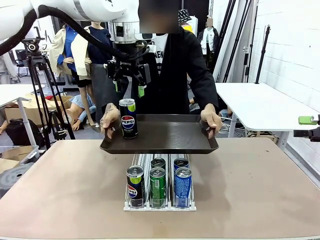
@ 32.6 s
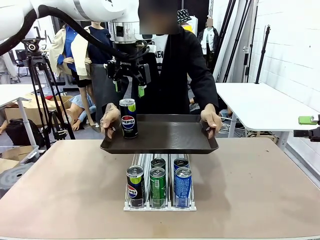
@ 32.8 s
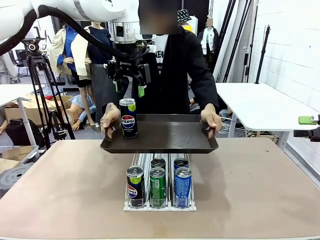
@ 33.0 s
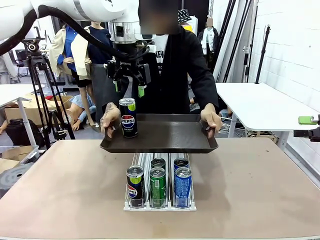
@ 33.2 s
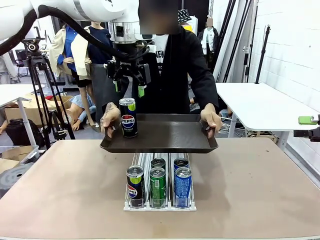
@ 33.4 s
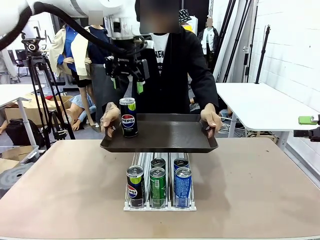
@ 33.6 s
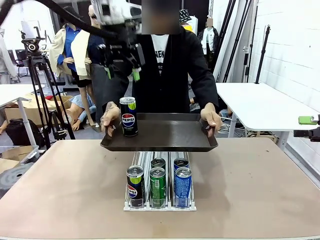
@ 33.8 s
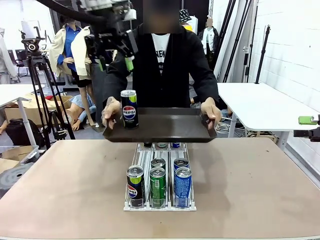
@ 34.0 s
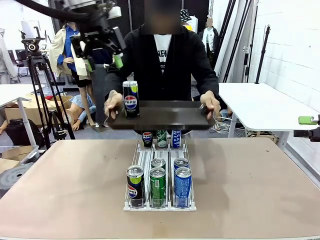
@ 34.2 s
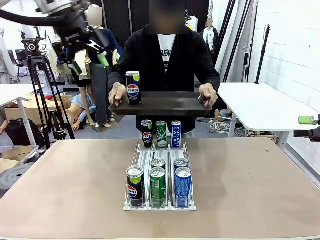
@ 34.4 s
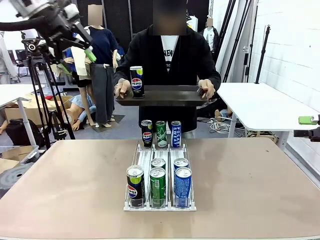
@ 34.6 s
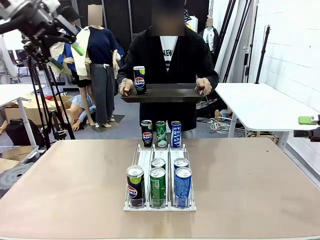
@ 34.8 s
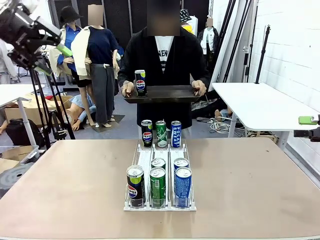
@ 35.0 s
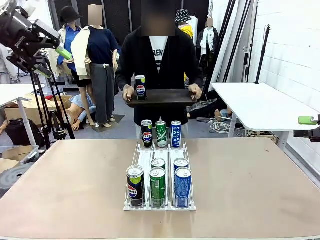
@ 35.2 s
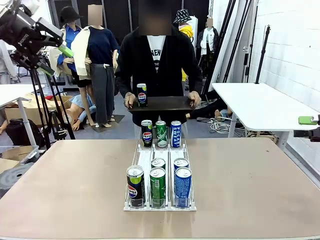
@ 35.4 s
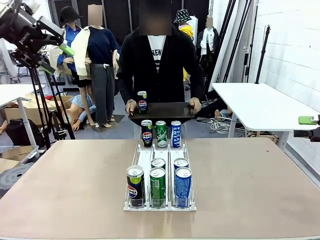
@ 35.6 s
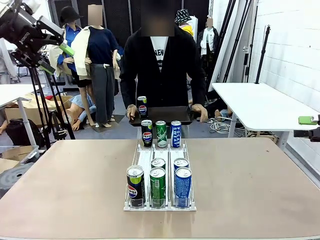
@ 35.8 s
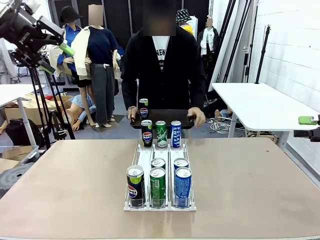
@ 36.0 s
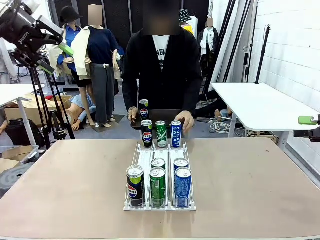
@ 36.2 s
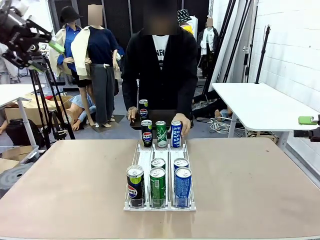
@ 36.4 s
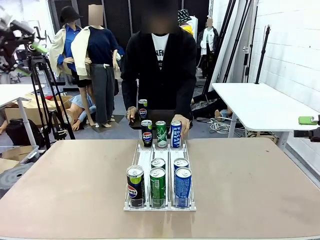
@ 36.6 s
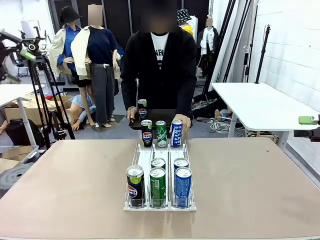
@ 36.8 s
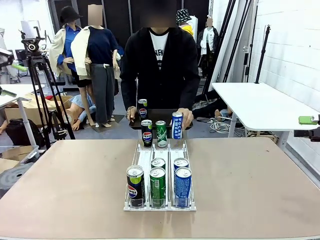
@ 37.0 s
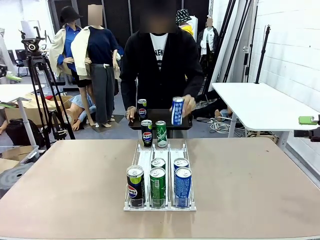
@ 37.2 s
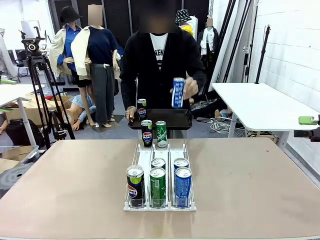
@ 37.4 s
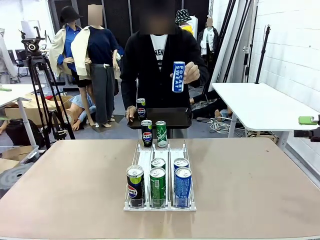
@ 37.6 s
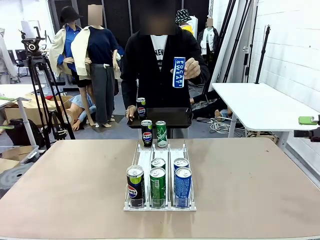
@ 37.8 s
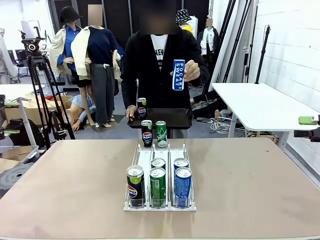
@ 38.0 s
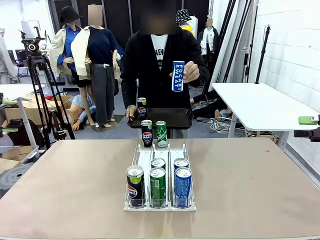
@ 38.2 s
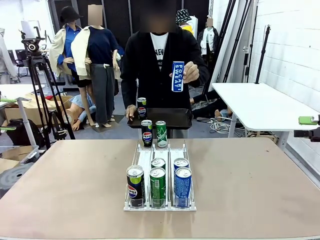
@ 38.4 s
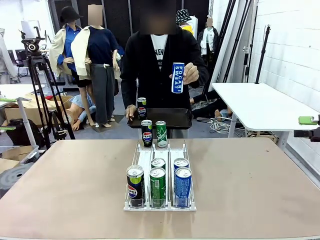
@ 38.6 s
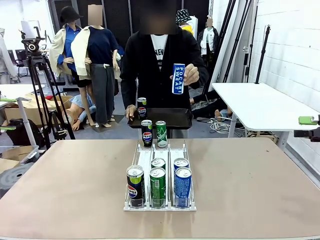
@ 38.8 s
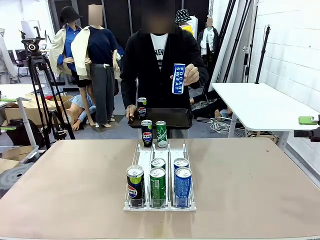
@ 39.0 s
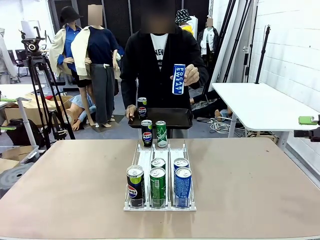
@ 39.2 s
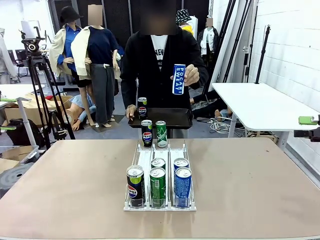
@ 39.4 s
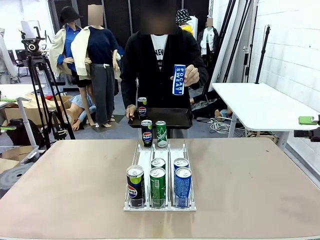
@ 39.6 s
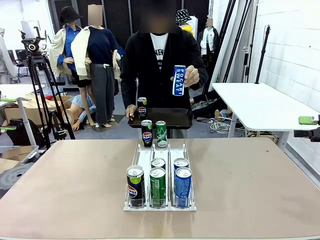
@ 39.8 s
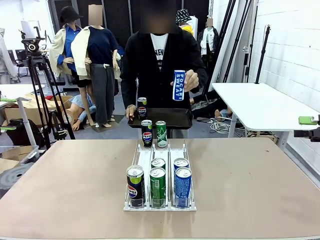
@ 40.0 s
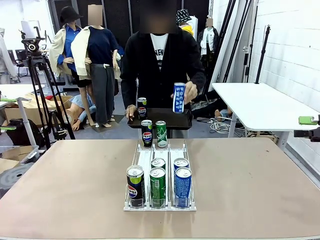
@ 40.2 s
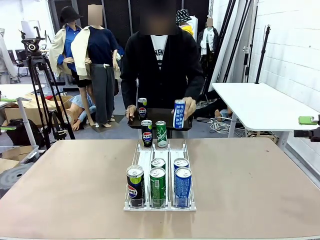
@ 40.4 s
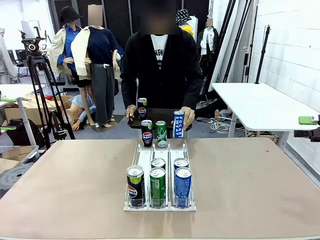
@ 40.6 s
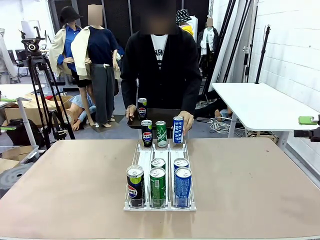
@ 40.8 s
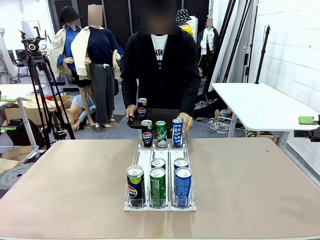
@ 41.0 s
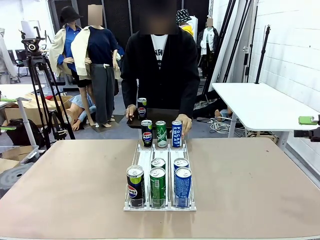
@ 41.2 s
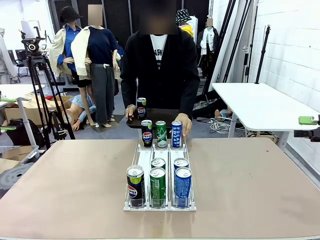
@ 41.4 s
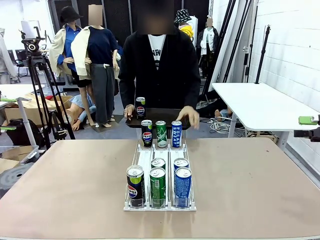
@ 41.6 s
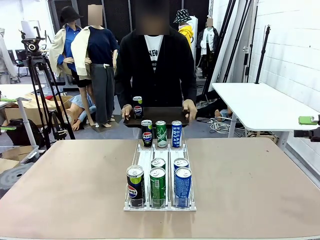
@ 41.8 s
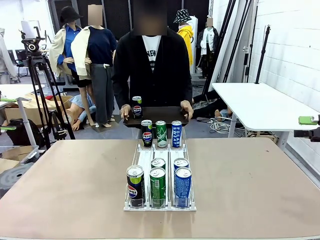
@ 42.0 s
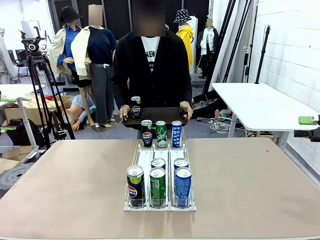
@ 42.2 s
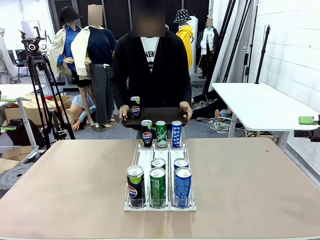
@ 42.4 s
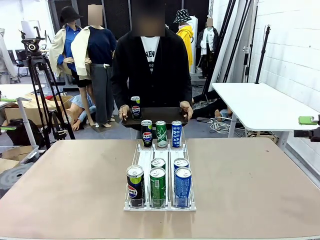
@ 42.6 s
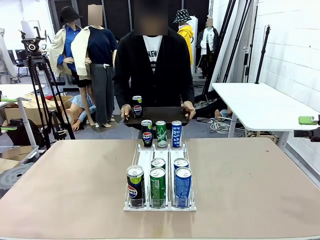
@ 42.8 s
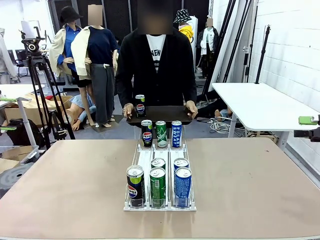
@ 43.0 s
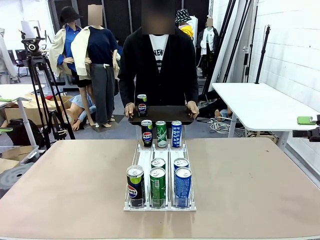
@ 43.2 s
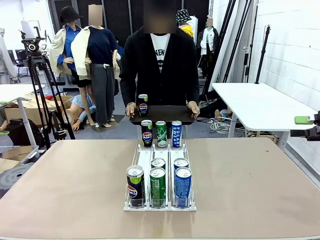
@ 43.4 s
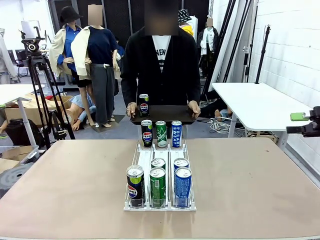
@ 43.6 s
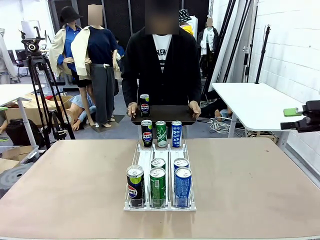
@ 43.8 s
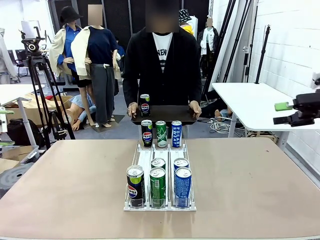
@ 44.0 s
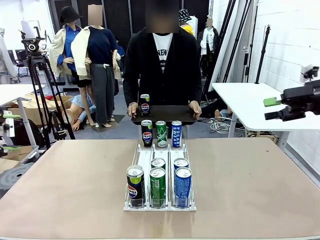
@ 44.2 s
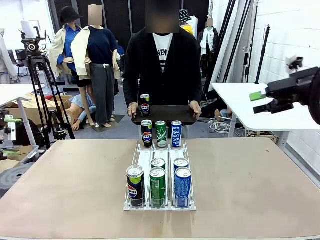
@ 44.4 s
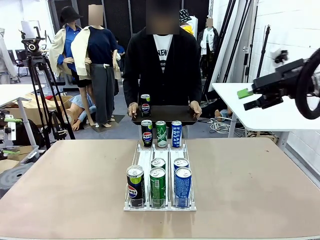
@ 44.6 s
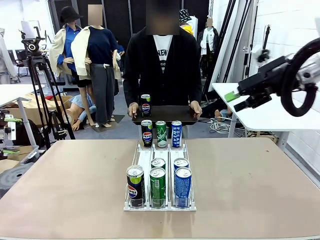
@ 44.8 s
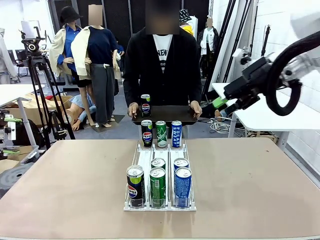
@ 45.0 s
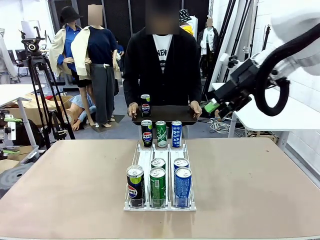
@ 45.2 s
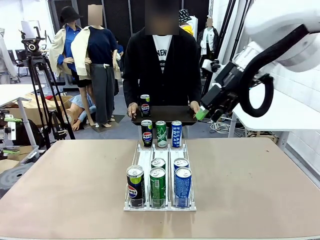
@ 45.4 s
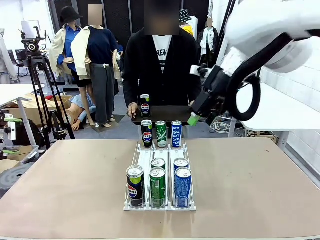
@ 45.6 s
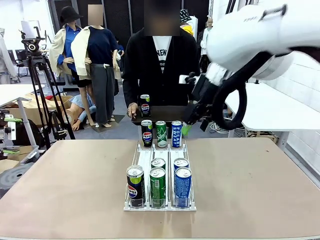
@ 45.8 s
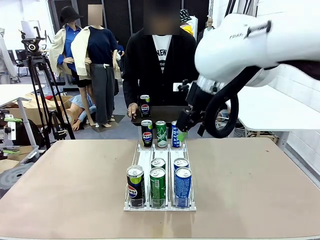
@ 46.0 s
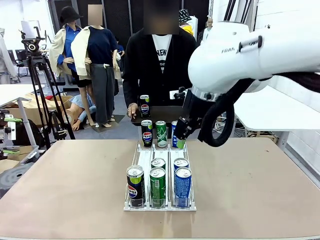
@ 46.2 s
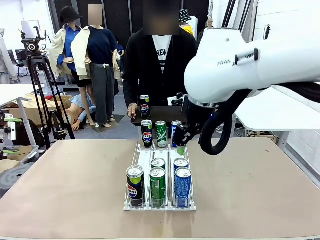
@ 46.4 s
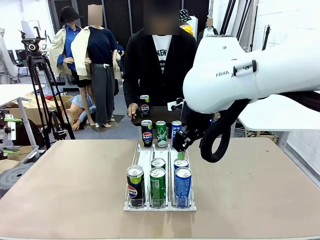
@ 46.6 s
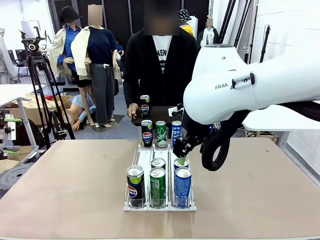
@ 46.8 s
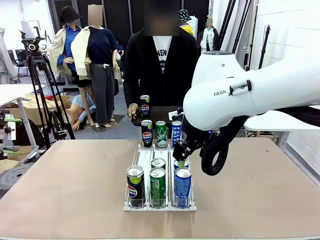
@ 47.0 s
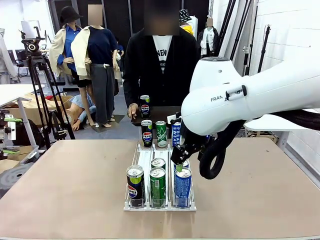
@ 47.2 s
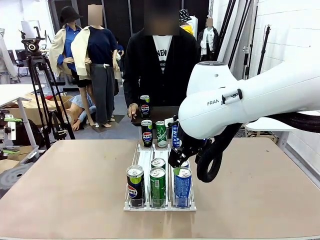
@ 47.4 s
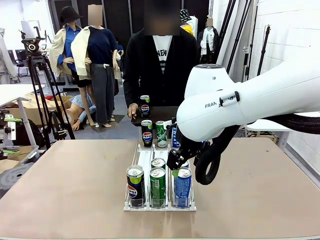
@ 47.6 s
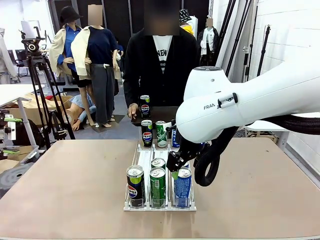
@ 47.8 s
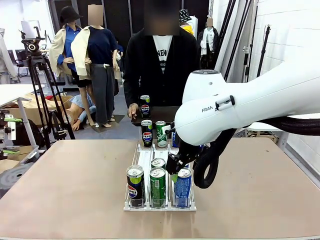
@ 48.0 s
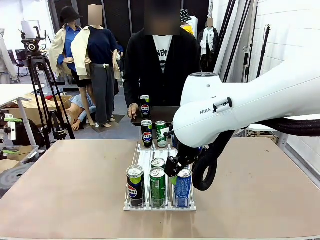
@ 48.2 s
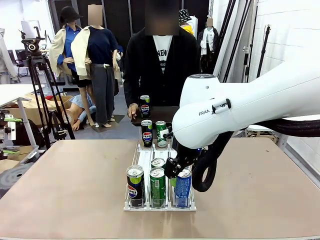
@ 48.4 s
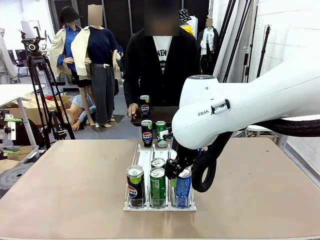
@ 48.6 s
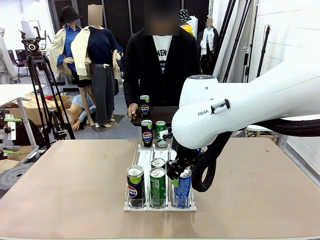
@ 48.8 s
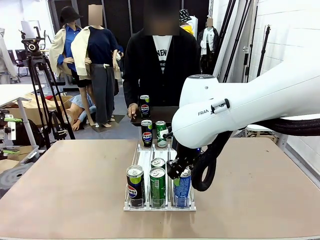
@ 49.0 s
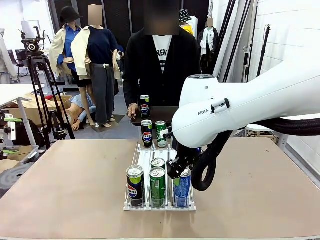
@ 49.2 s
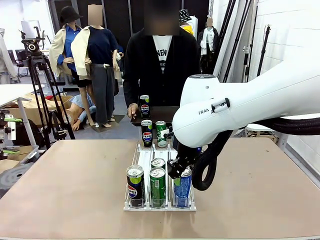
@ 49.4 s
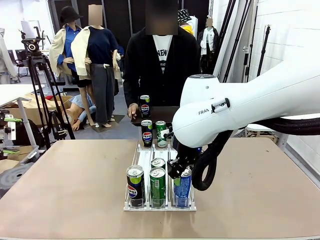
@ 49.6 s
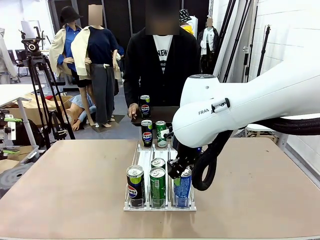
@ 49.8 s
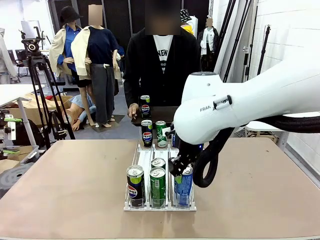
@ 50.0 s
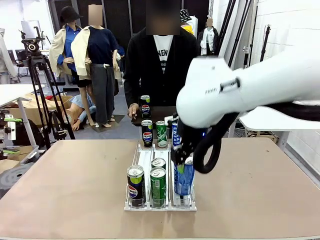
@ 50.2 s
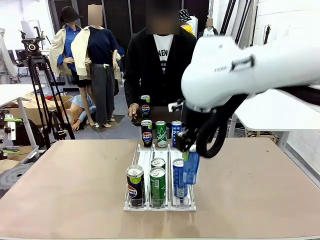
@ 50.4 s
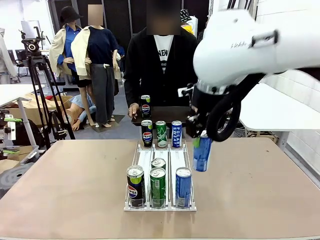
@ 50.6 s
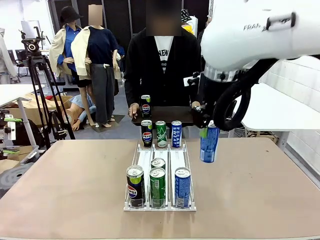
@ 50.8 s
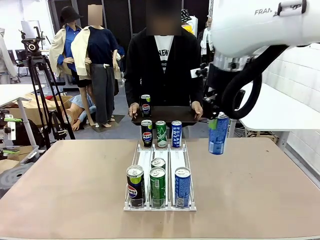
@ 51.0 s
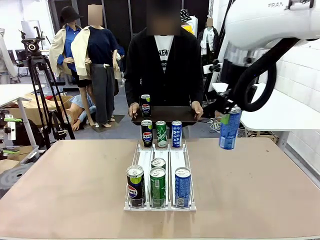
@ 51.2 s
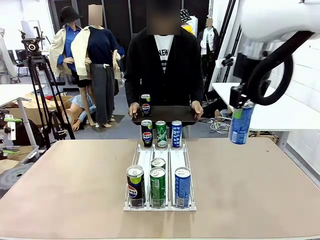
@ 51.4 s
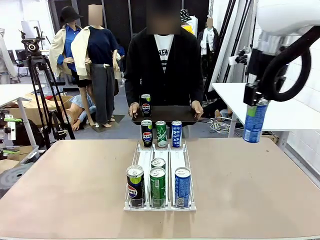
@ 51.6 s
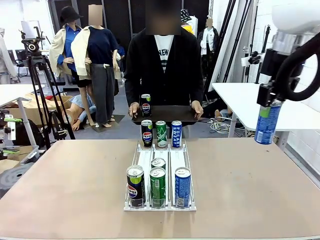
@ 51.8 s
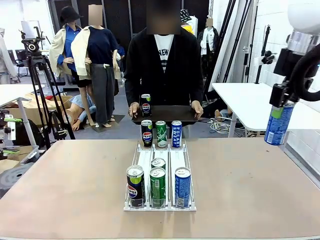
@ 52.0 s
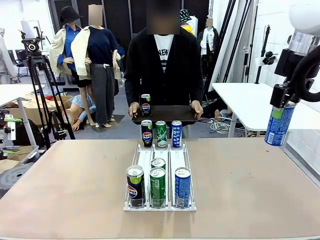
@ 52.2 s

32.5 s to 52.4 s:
Task: Retrieve and hand over the desired beverage to the person.
Robot: Pick up another can of the same type that the person held from the Automatic Can Dispenser.
Person: Pull the tray back, then pick up another can from the bottom area of the table and puts it back in its original place. Push the tray toward the robot again.
